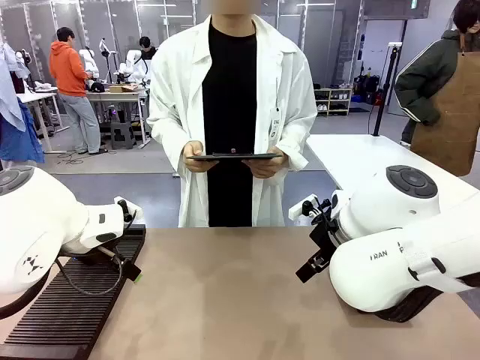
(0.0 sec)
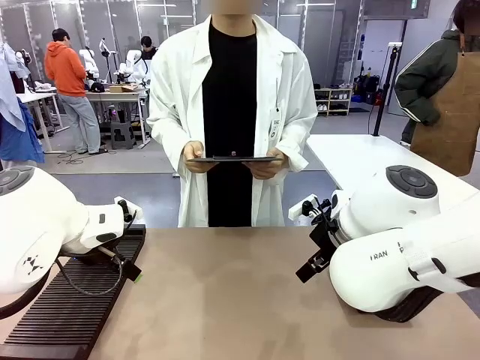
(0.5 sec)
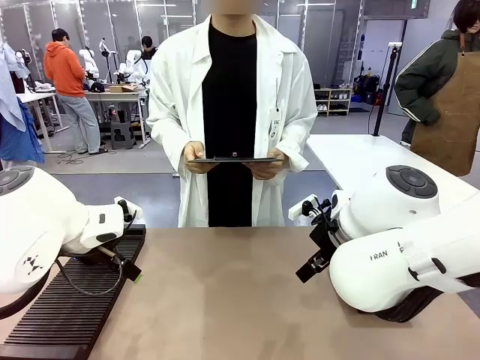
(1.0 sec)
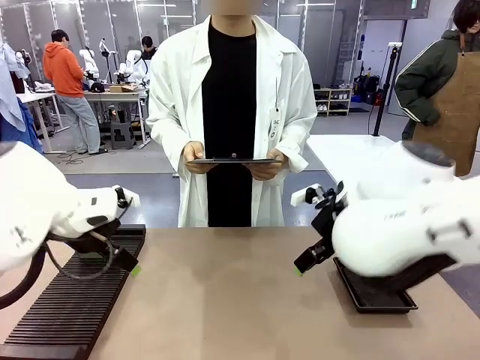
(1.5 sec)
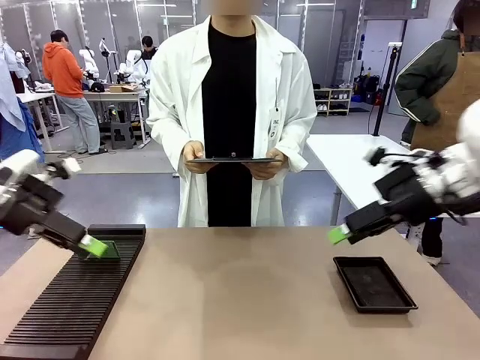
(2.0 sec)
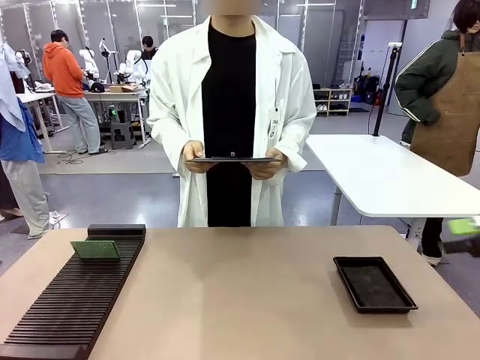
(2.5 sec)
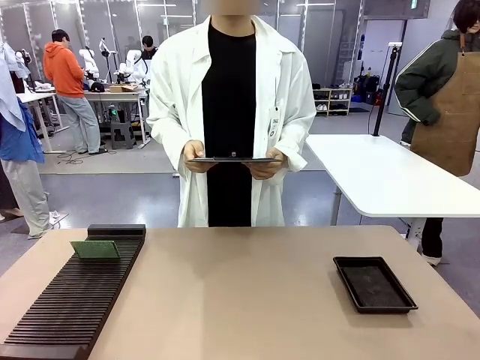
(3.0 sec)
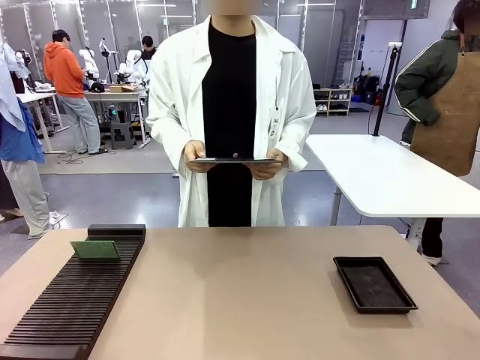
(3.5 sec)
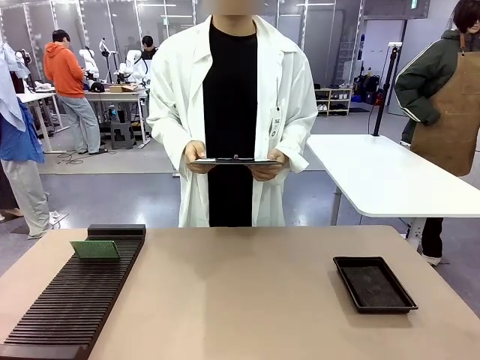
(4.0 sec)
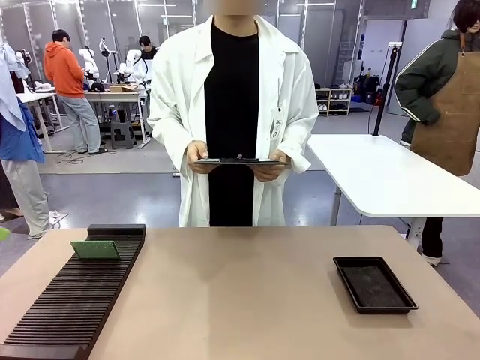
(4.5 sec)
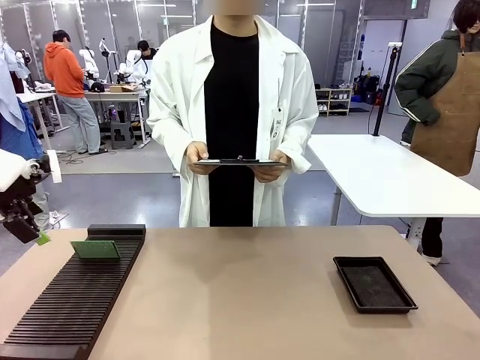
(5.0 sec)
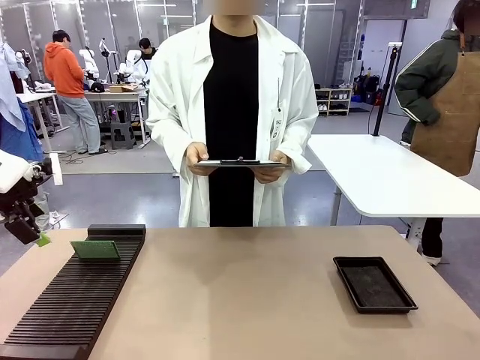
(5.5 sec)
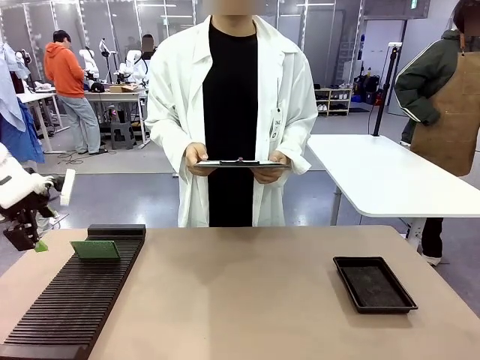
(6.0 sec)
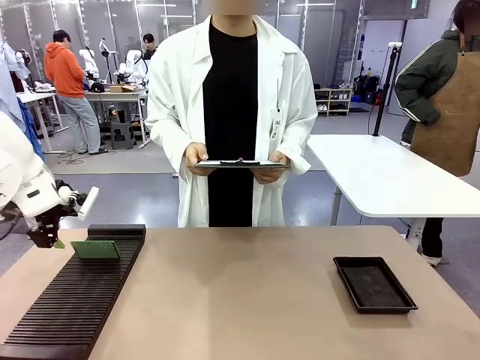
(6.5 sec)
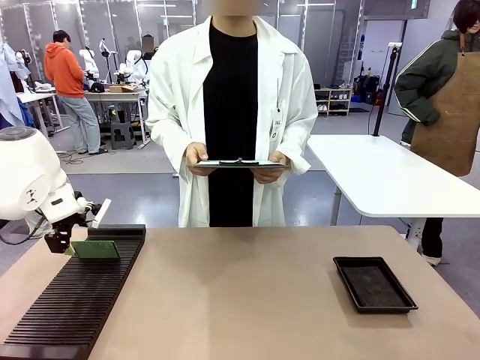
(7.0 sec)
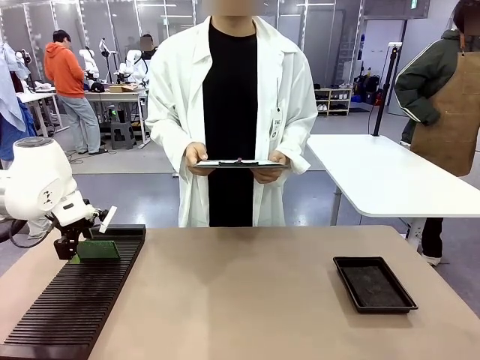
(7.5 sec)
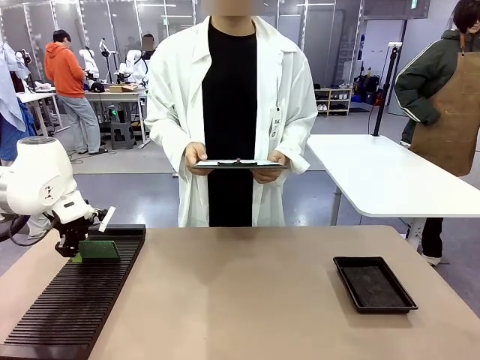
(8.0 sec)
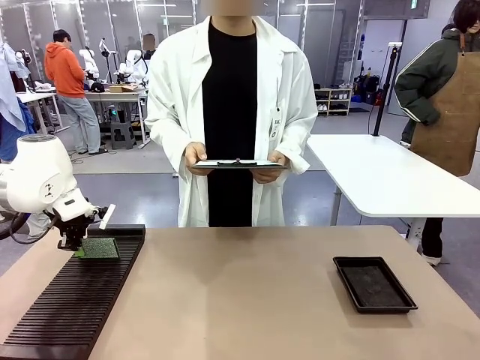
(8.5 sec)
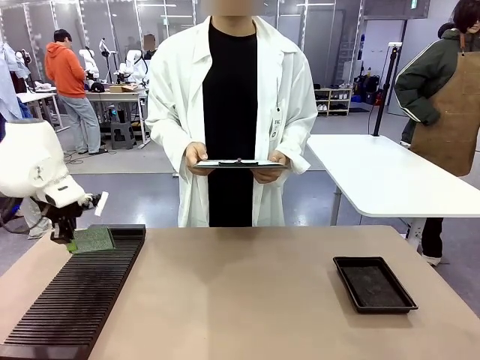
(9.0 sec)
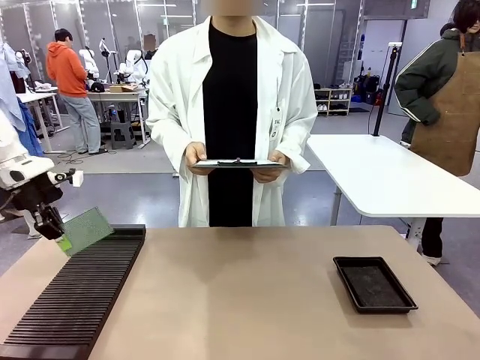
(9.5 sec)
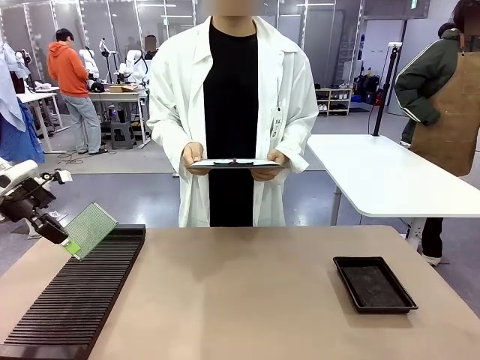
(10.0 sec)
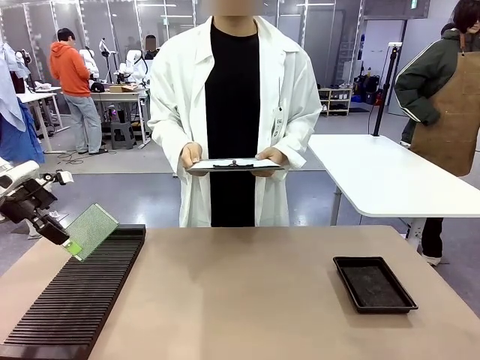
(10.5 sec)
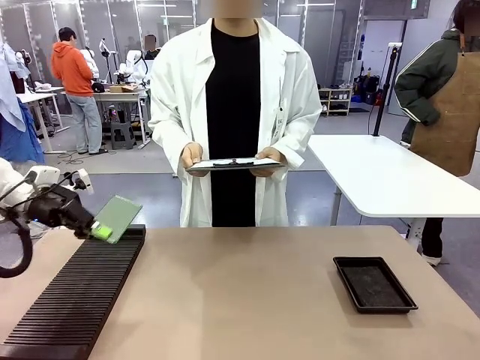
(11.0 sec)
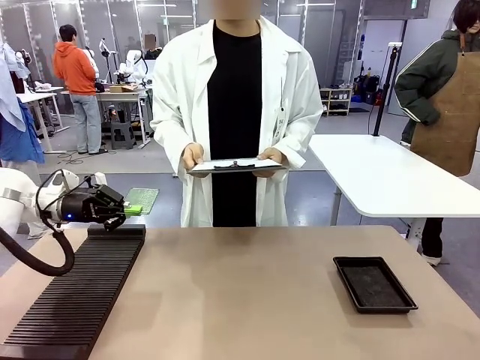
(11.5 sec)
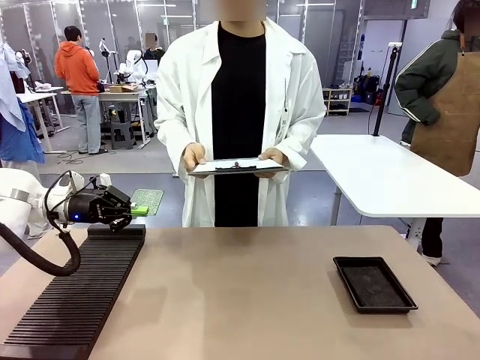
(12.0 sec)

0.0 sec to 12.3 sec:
Task: Inspect the PCB.
Robot: Pick up the Blank PCB and present it to the human.
Person: Pick up the PCB presented by the robot.

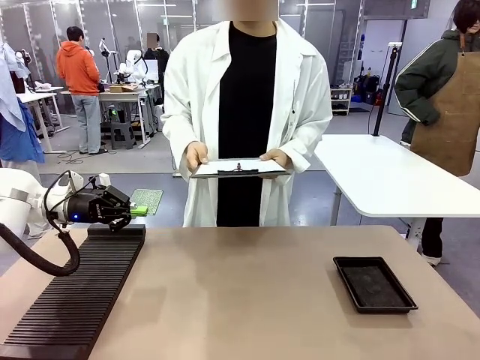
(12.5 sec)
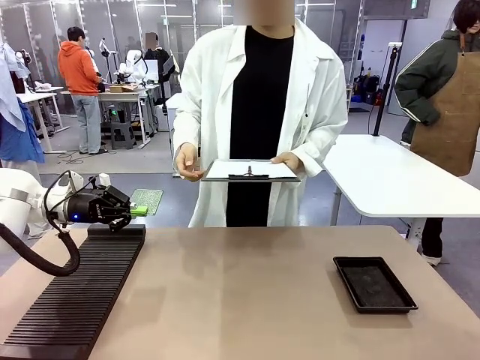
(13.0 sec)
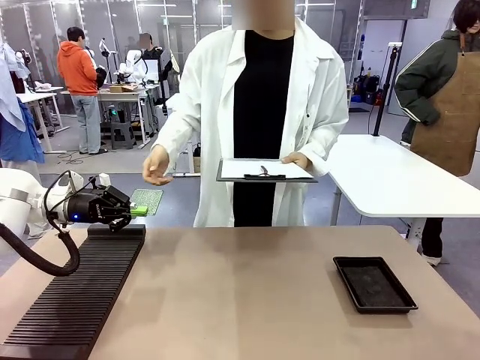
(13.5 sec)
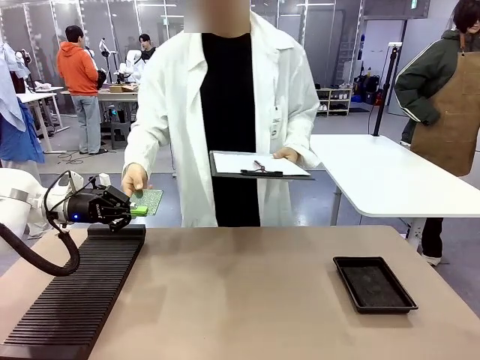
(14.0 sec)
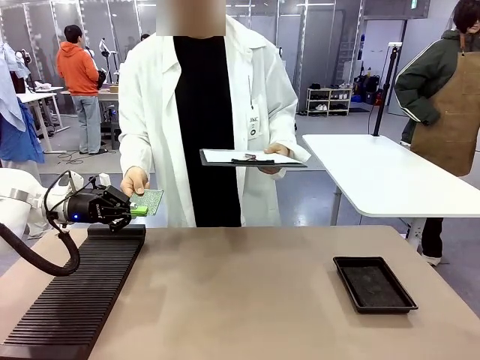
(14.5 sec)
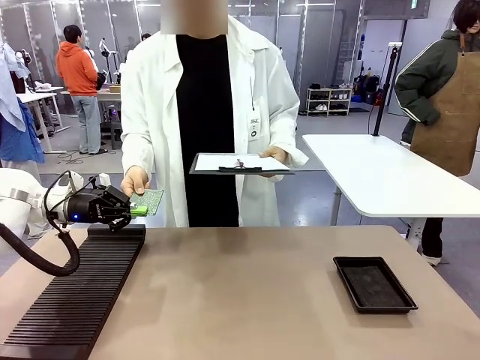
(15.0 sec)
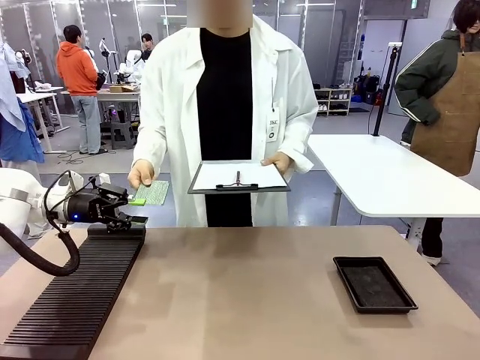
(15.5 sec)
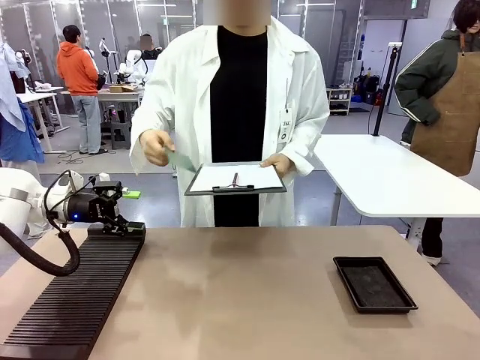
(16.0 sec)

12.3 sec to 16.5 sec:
Robot: Release the Blank PCB you were holding.

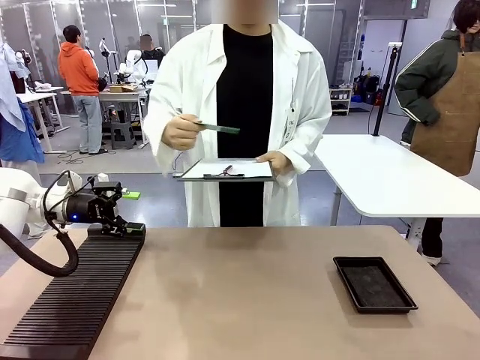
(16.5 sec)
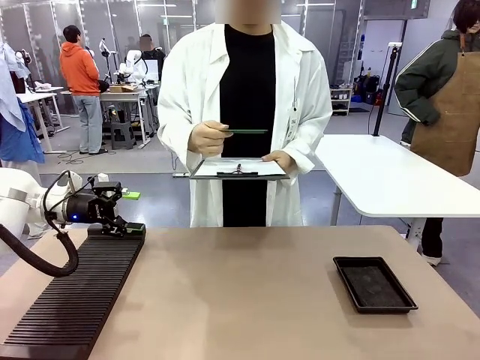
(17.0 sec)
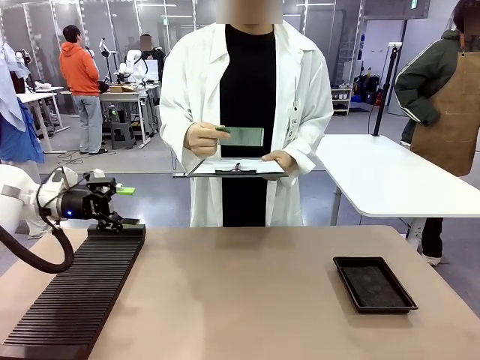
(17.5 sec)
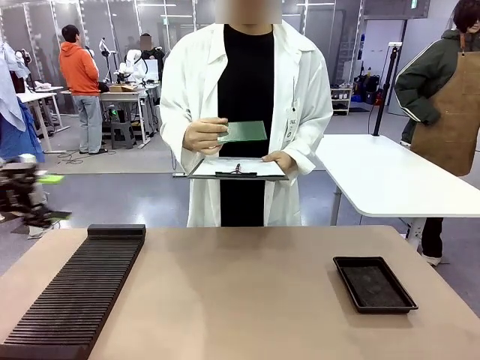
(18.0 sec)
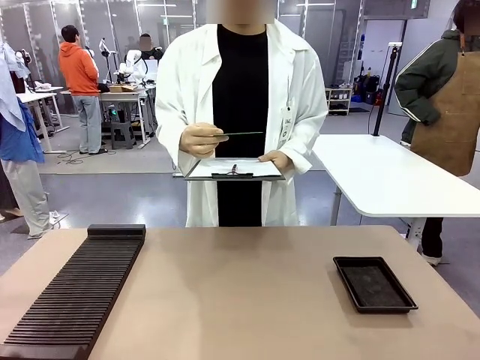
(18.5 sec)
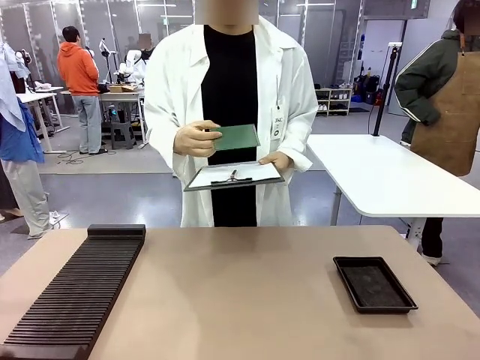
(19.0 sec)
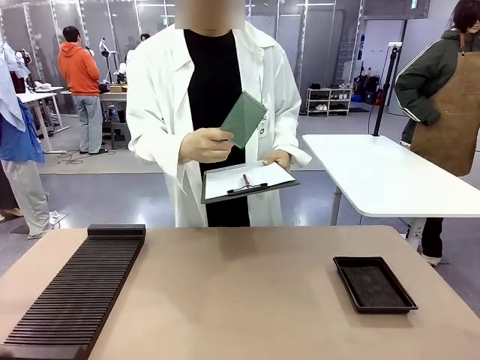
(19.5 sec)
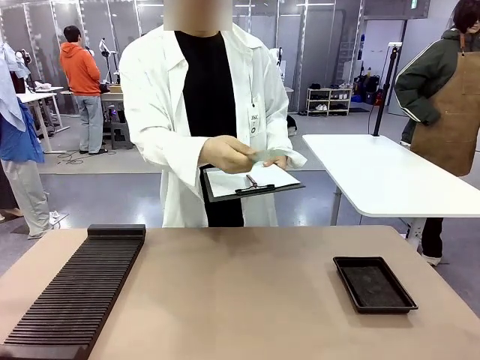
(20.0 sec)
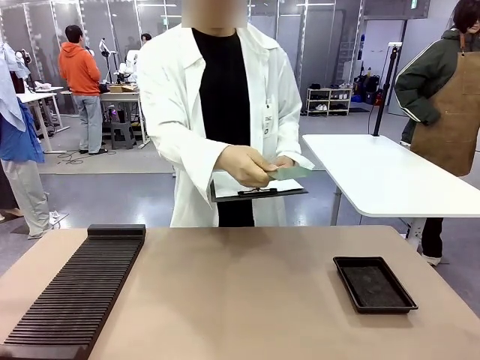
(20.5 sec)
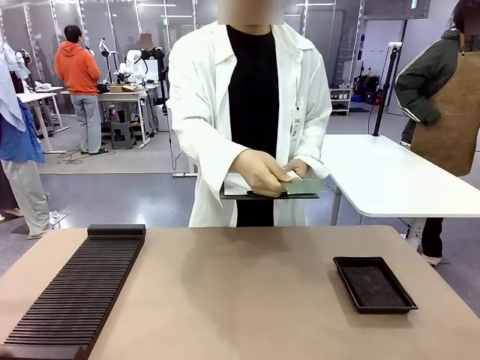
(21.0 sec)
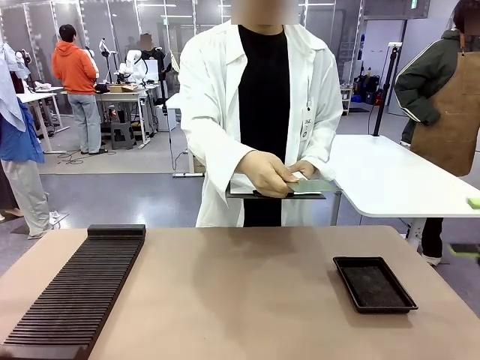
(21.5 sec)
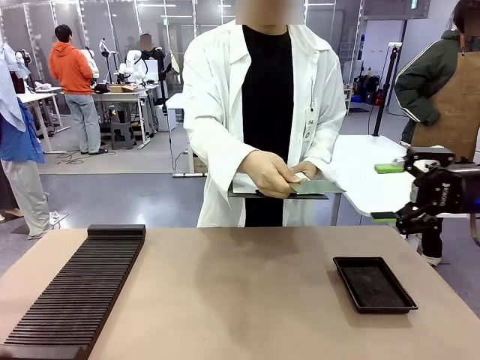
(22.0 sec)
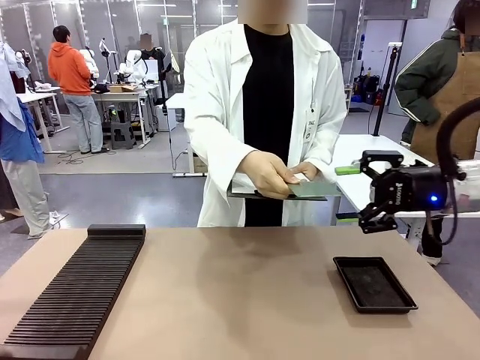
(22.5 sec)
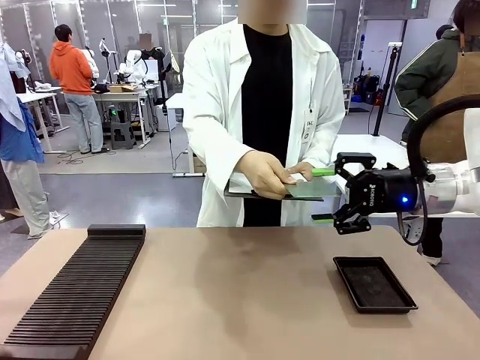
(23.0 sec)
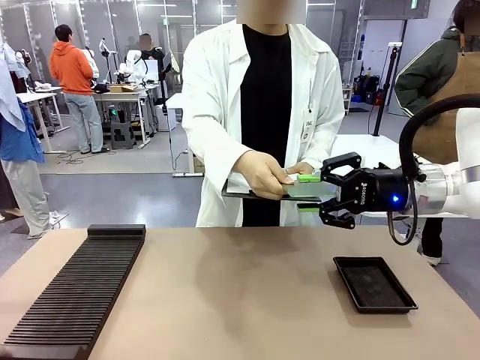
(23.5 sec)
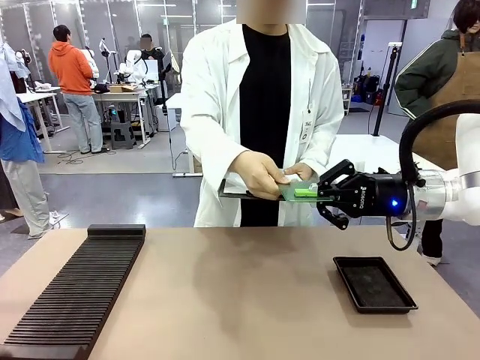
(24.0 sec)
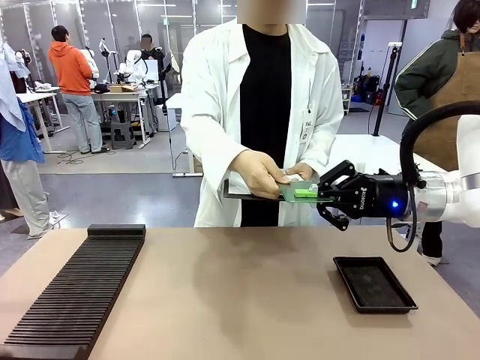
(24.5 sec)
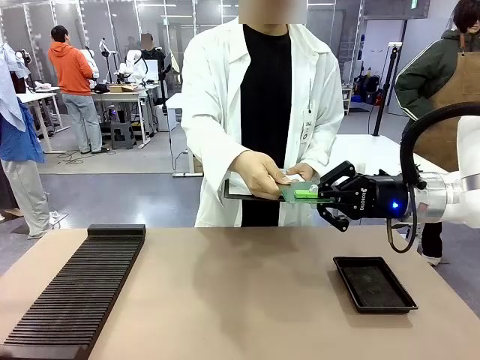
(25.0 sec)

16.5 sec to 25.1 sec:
Robot: Pick up the Blank PCB that the human is holding.
Person: Inspect the PCB placed by the robot, then hold it out in front of the robot. Release the PCB you were holding.
